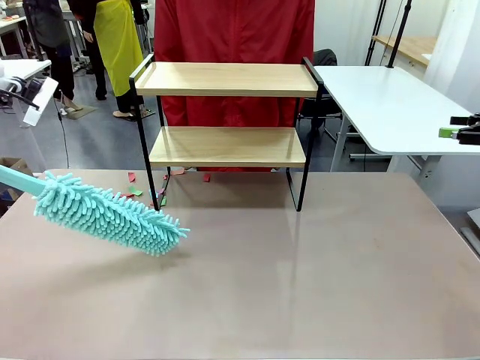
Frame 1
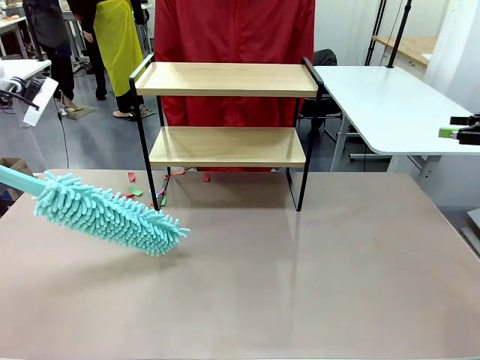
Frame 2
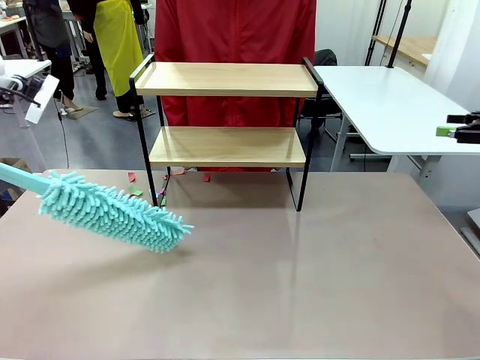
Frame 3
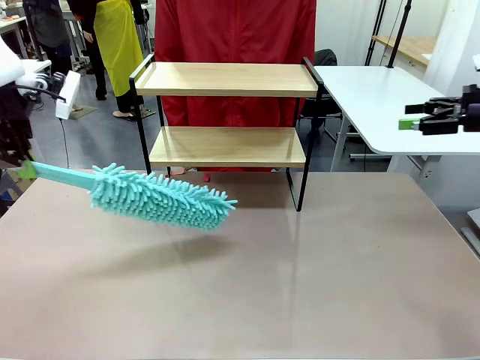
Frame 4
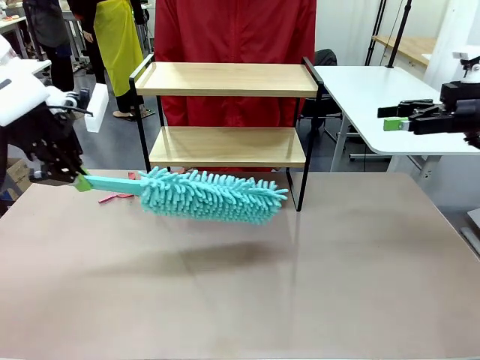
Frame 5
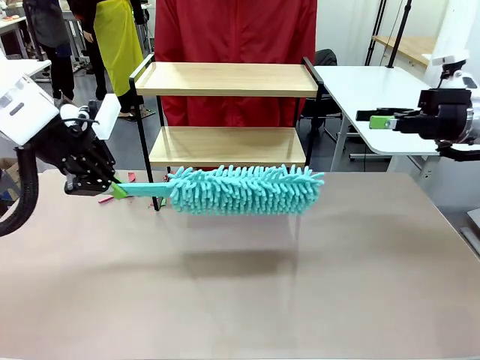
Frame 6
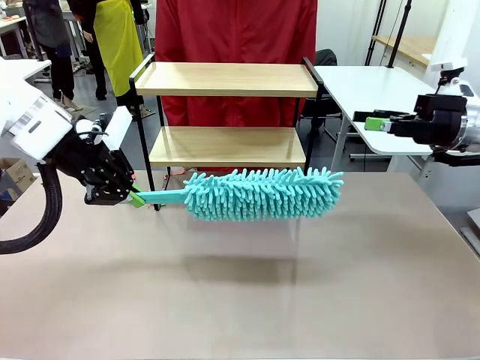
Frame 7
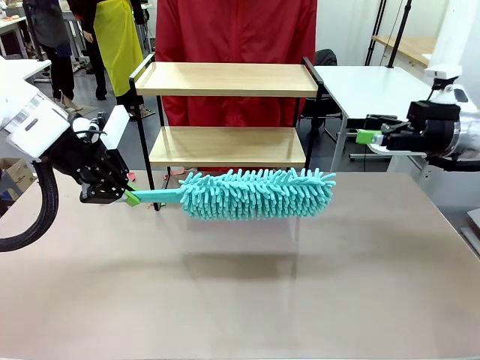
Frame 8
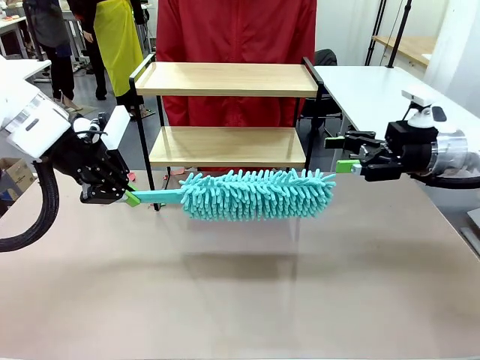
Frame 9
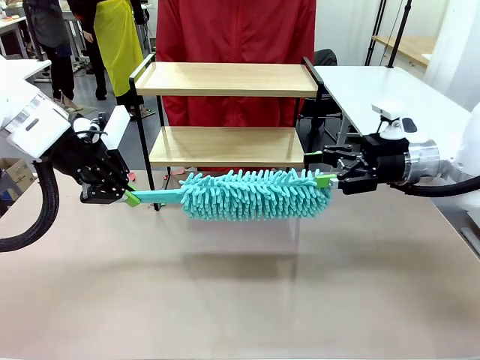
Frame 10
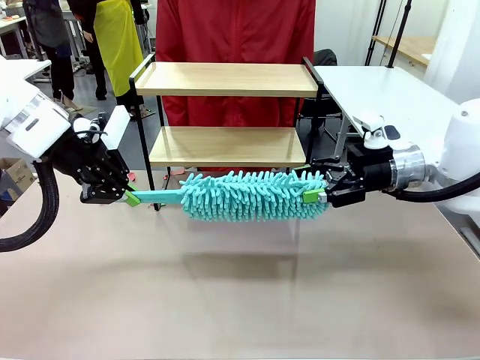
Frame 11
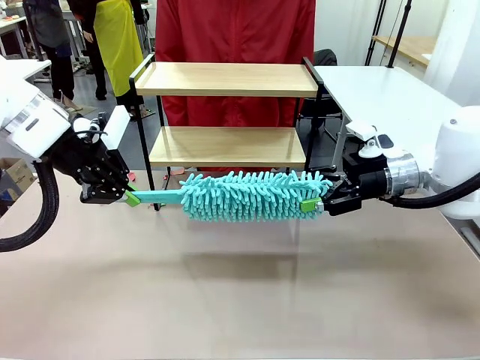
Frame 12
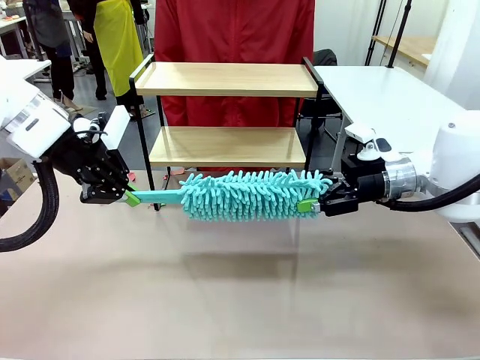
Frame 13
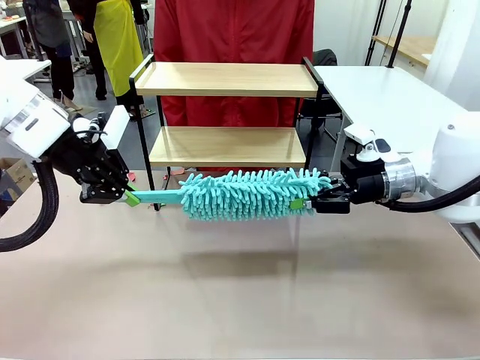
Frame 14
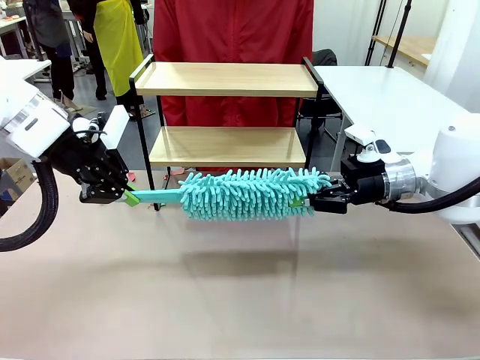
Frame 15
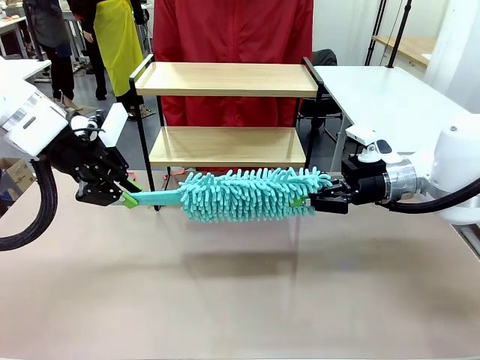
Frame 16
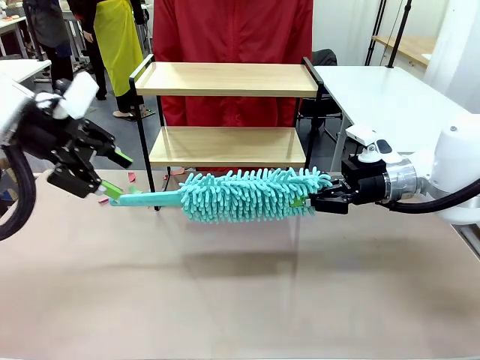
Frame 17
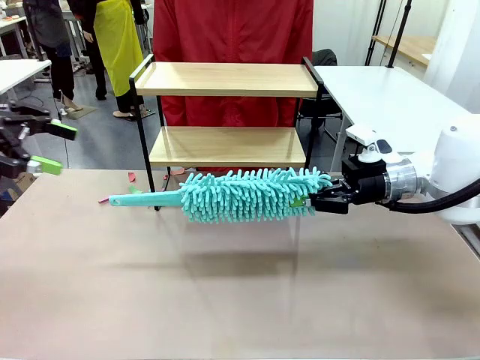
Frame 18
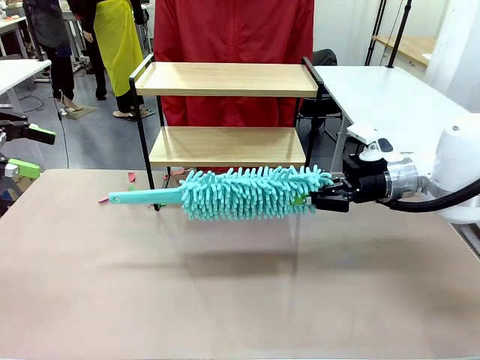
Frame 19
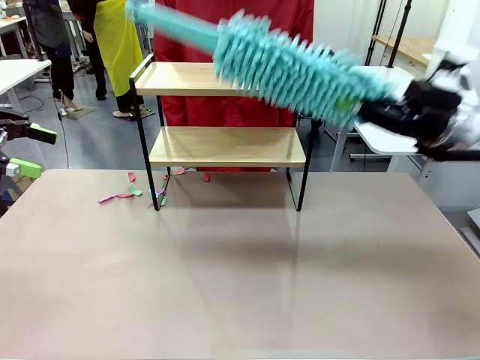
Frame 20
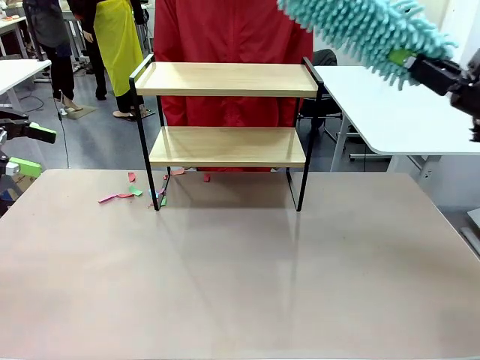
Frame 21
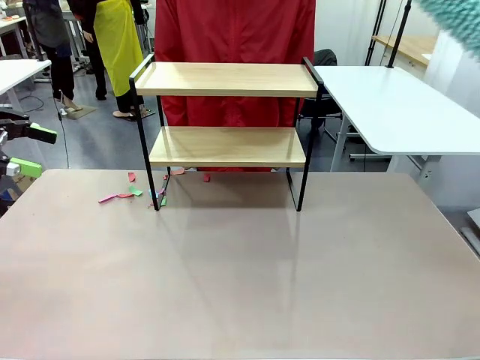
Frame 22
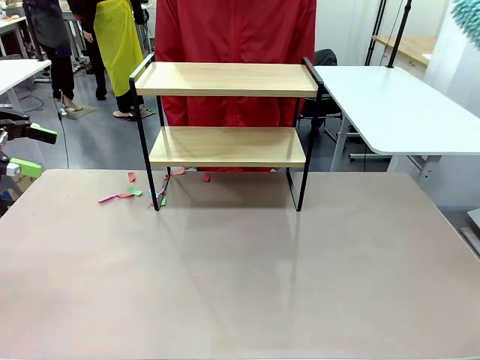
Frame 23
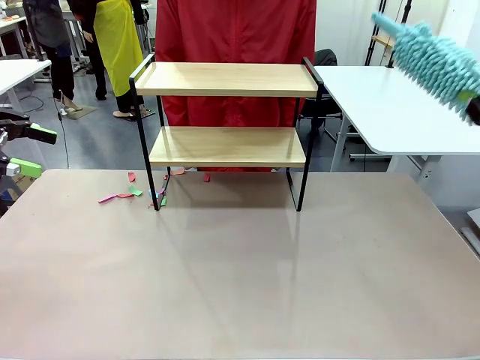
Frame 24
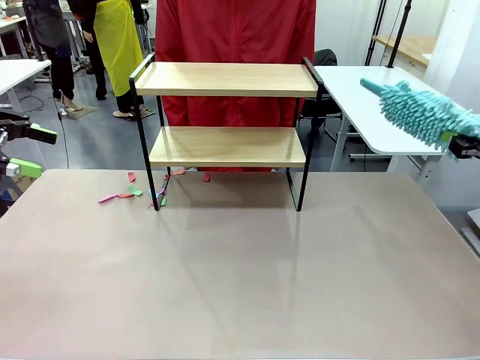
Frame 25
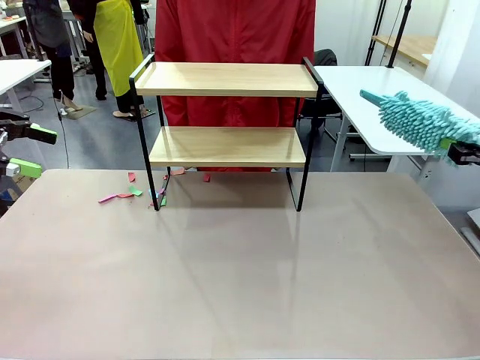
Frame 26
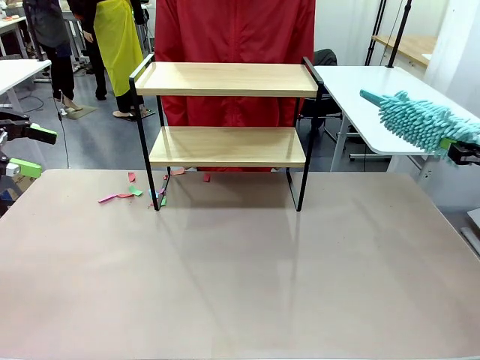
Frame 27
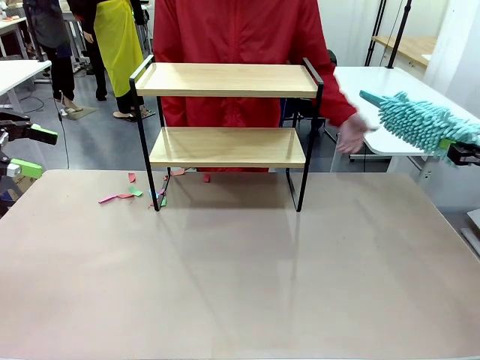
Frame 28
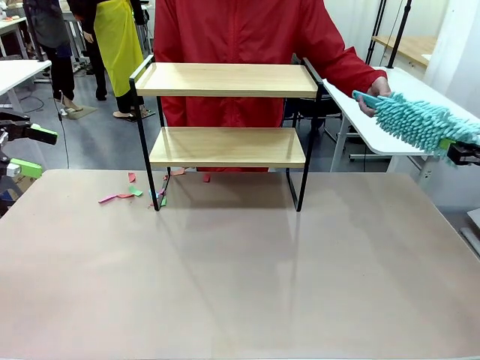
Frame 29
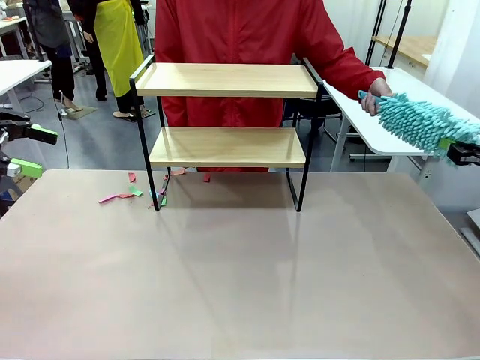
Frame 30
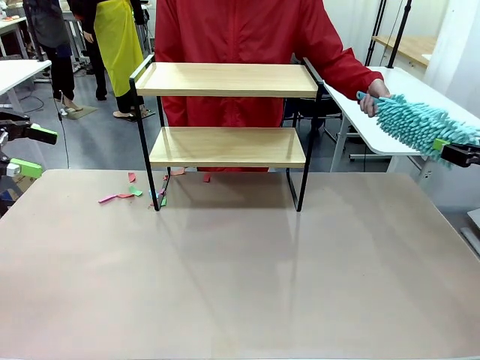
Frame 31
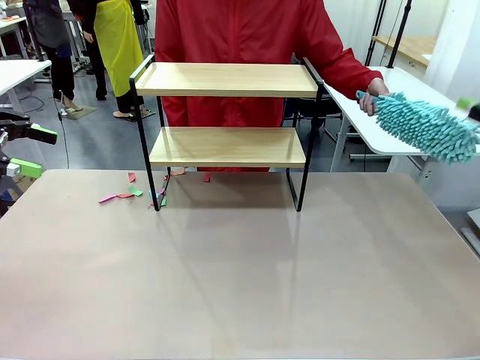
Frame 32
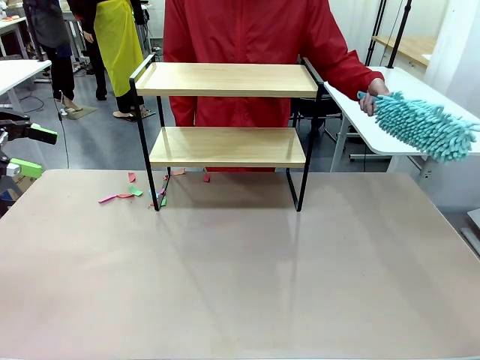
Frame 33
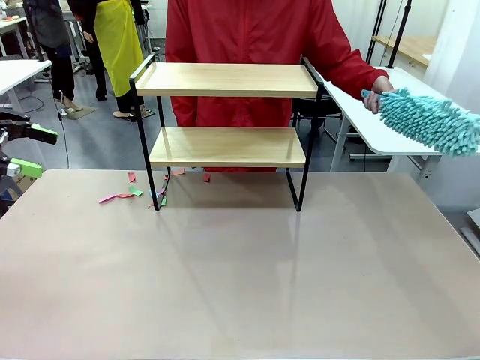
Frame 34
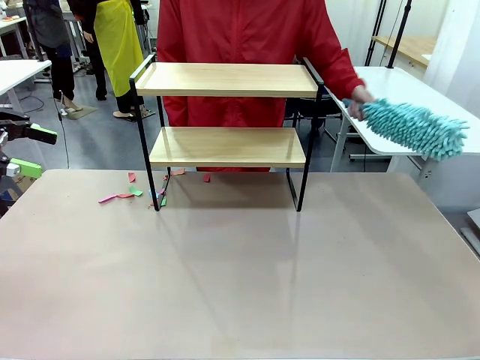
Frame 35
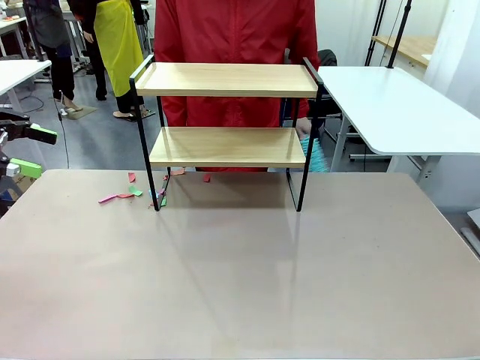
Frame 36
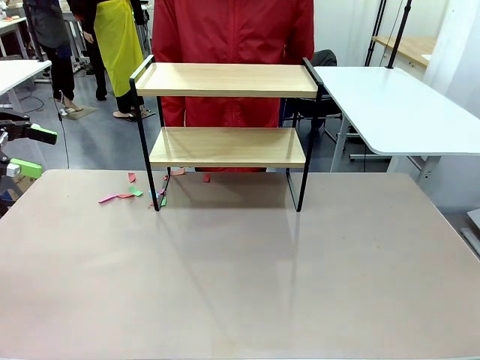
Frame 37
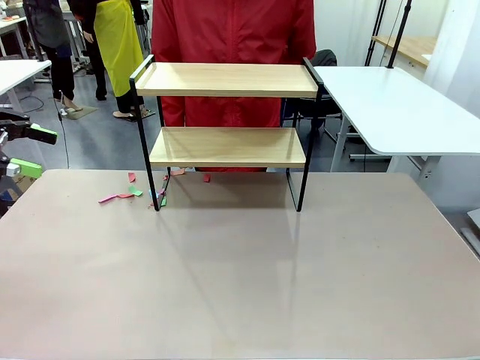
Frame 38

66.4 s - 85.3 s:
Task: Clean the shelf.
Robot: Hand the Duster back to the human.
Person: Receive the Duster from the robot.

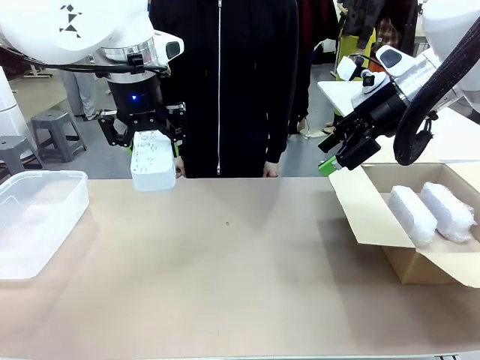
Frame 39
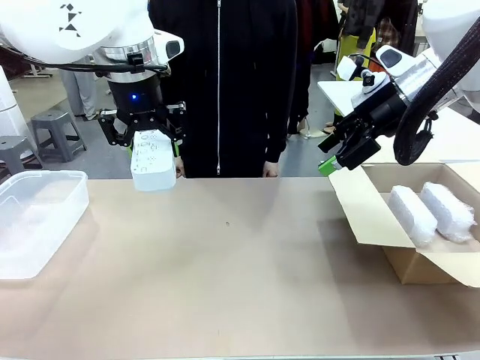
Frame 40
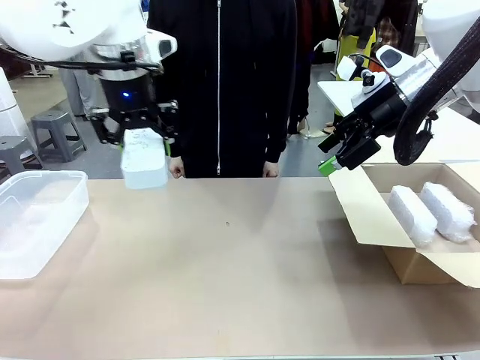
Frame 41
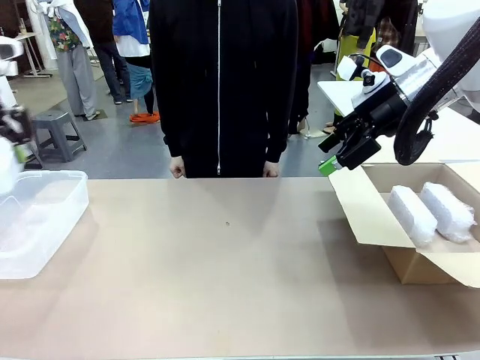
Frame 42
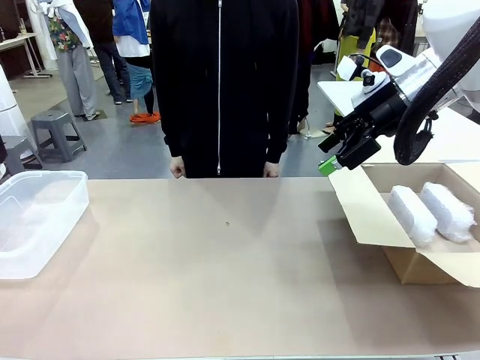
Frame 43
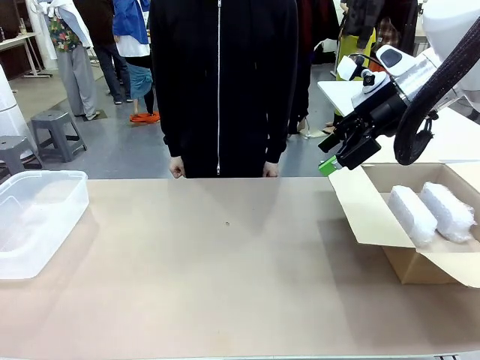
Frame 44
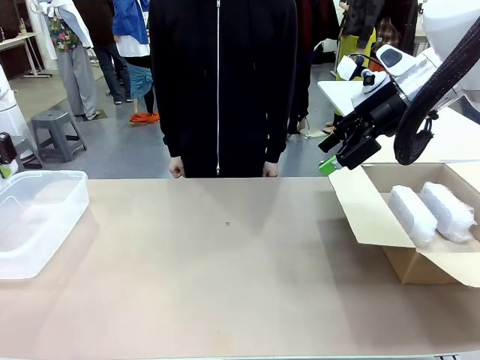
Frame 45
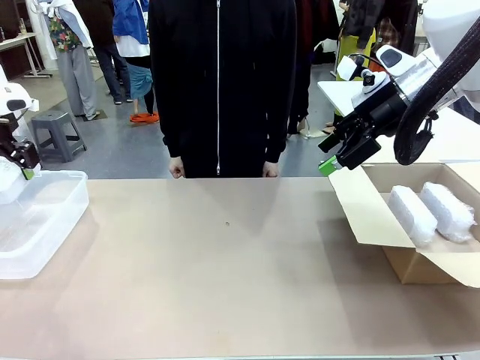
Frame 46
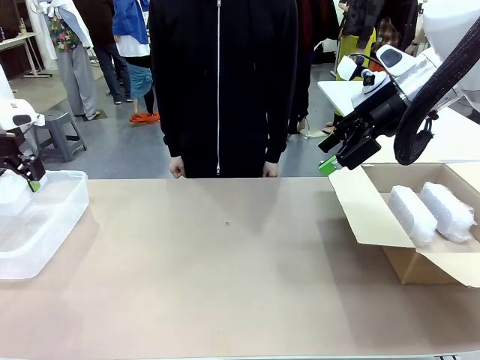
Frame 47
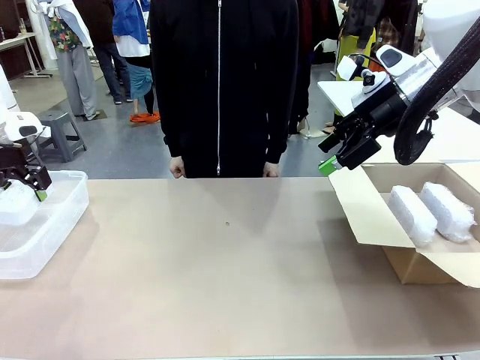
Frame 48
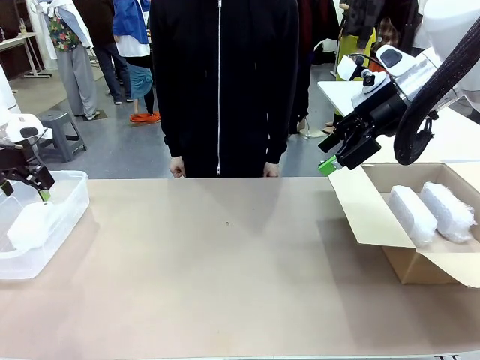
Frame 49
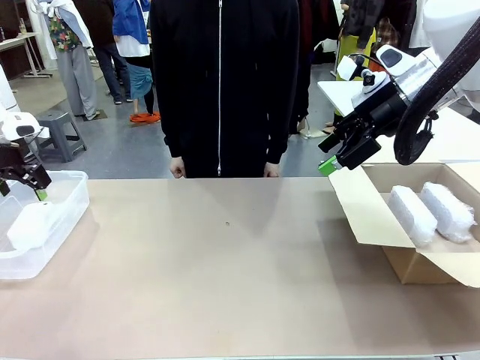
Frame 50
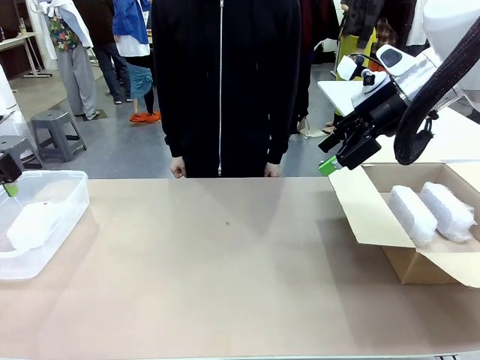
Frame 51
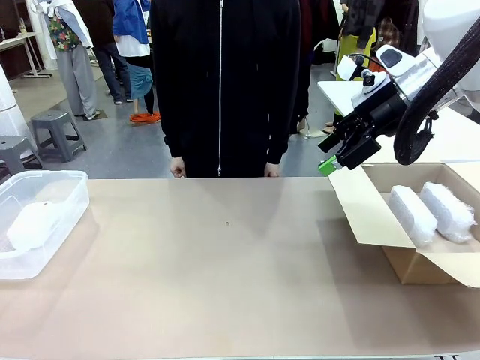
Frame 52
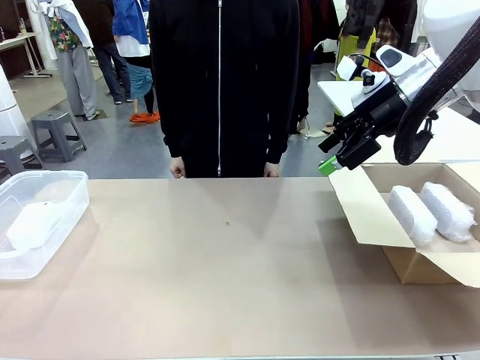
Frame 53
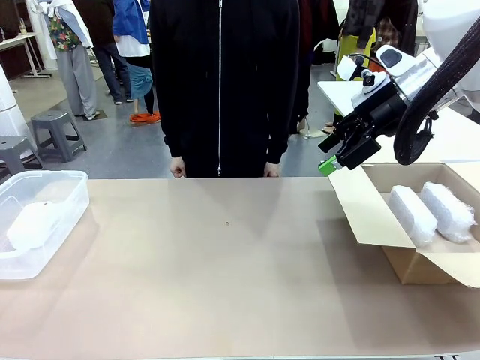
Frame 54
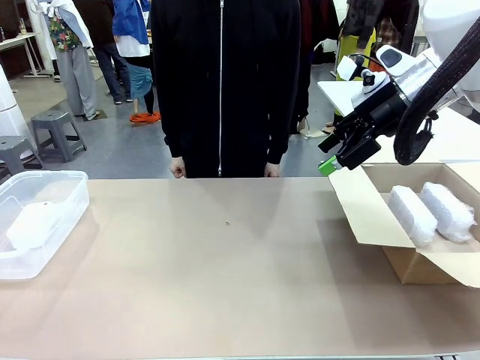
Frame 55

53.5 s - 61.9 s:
Task: Separate and place wrapped and unwrapped clocks.
Robot: If the picked Digital clock is wrapped, place it in the Package Box ; if not, place it in the Organizing box.
